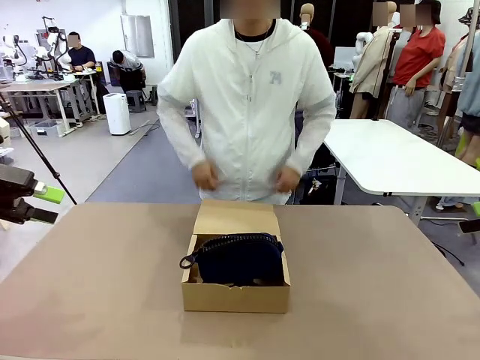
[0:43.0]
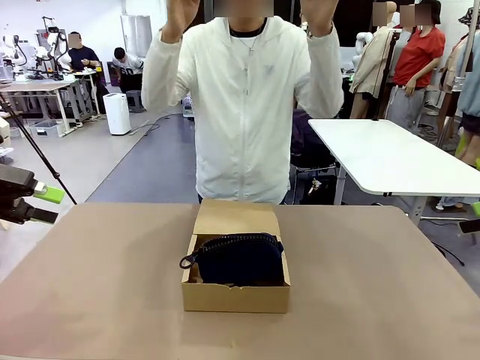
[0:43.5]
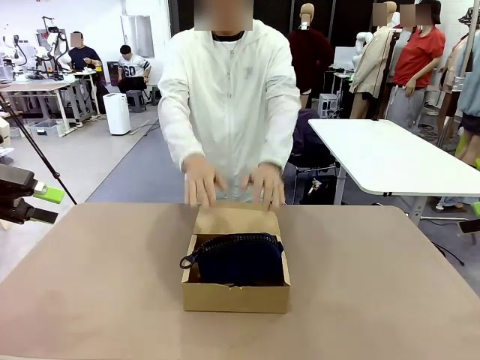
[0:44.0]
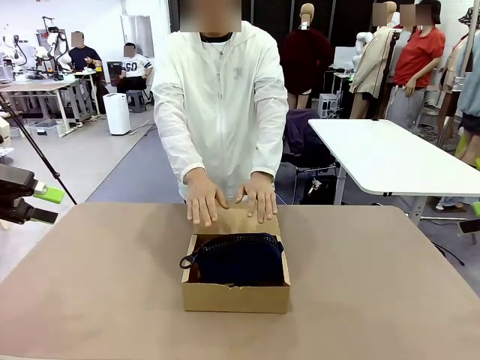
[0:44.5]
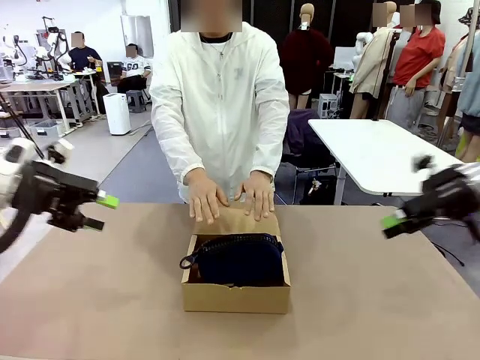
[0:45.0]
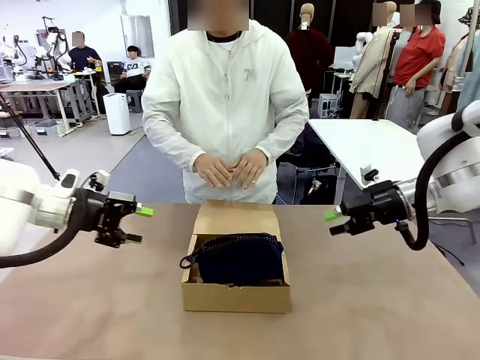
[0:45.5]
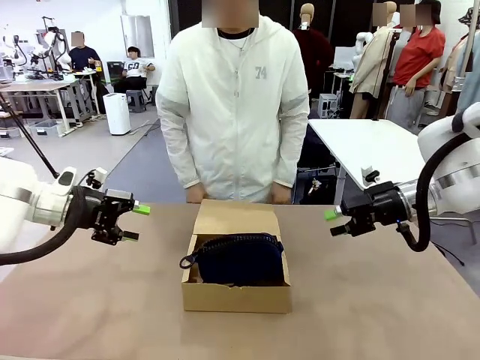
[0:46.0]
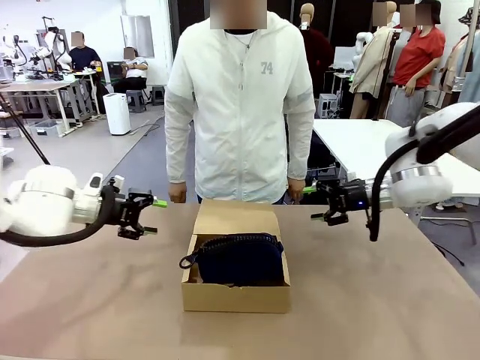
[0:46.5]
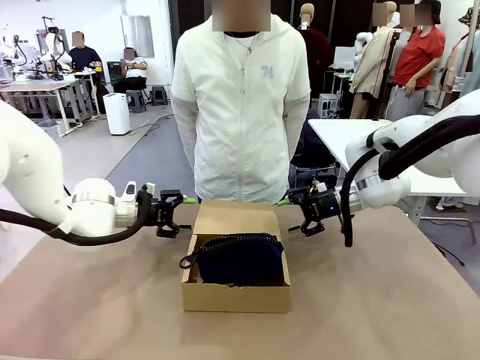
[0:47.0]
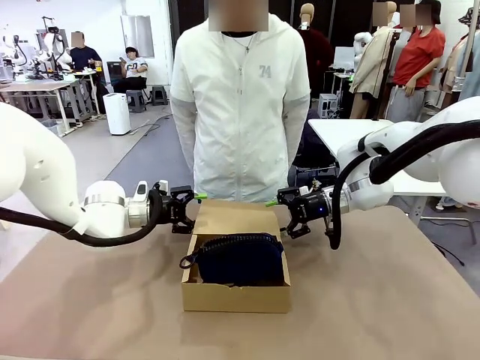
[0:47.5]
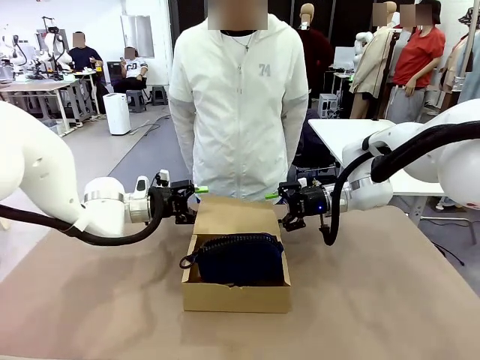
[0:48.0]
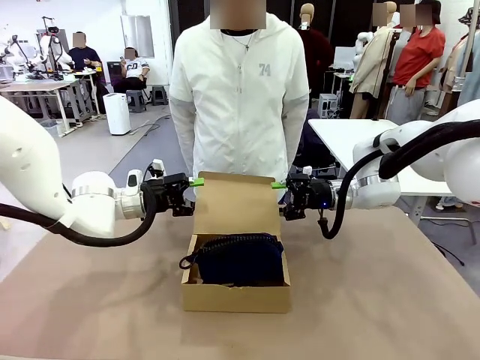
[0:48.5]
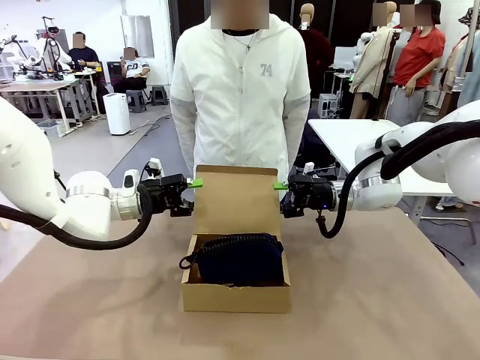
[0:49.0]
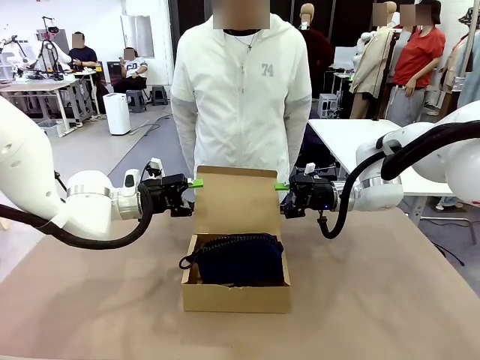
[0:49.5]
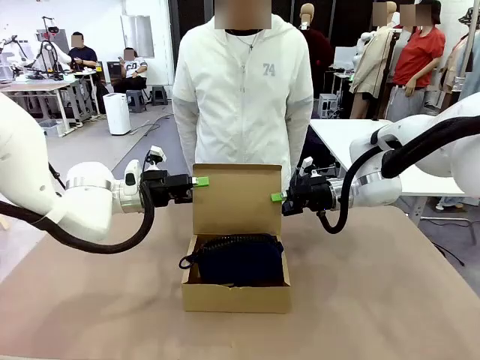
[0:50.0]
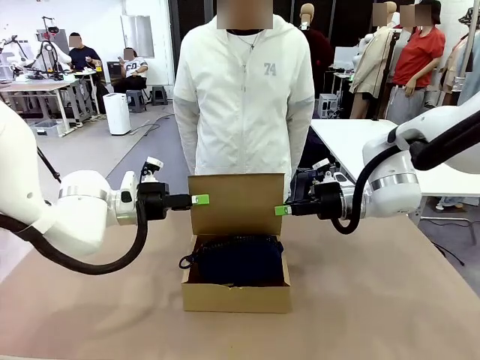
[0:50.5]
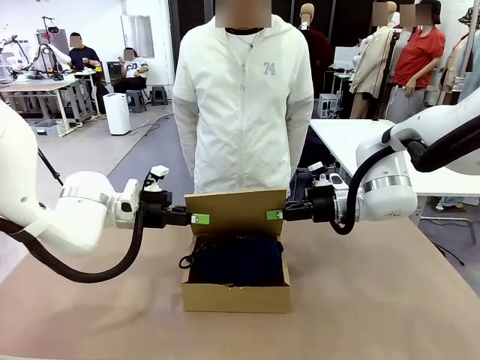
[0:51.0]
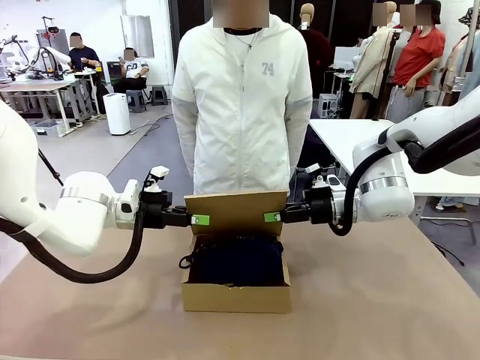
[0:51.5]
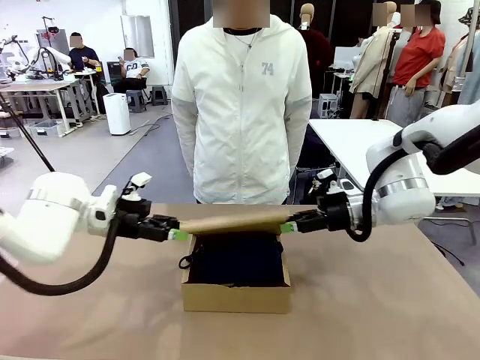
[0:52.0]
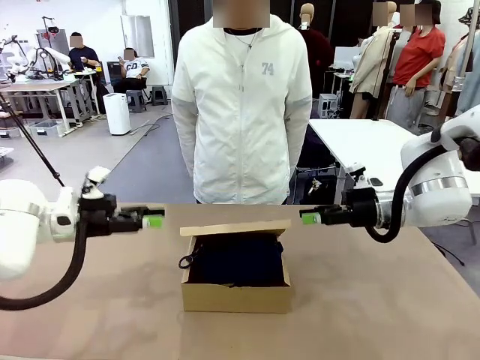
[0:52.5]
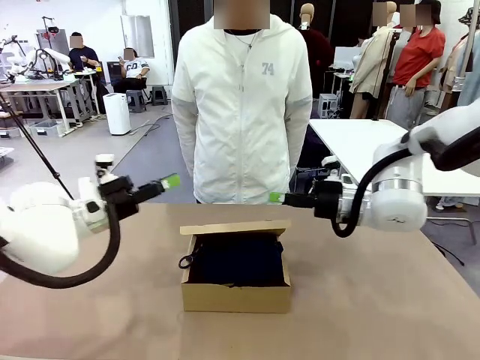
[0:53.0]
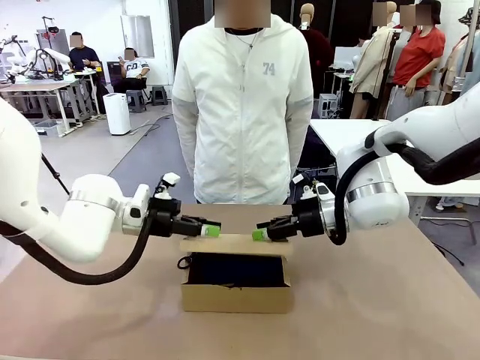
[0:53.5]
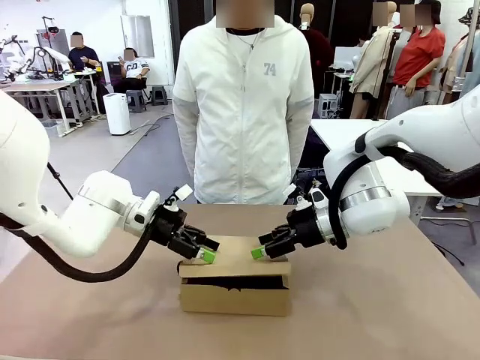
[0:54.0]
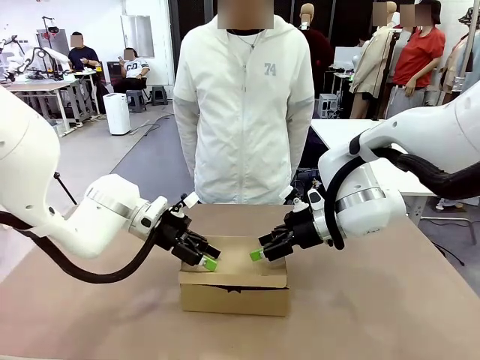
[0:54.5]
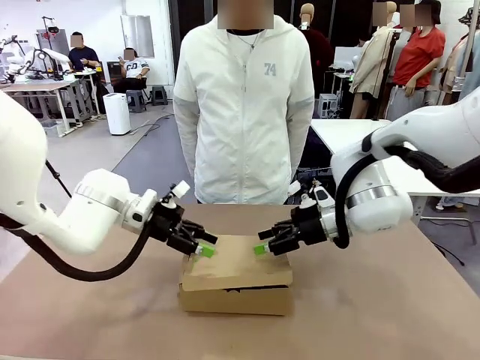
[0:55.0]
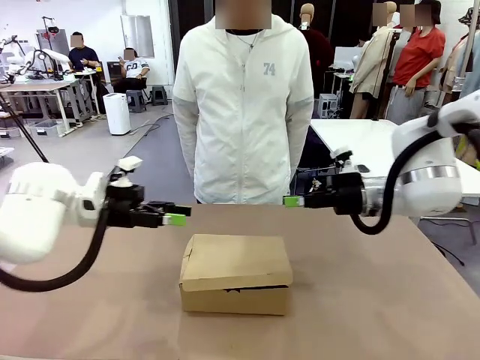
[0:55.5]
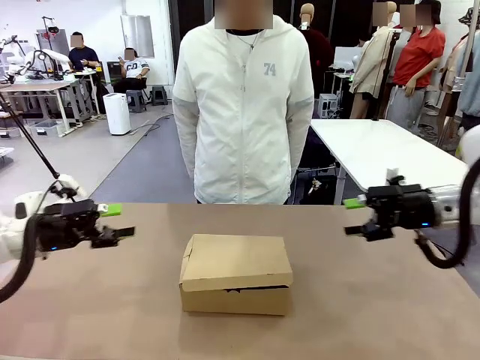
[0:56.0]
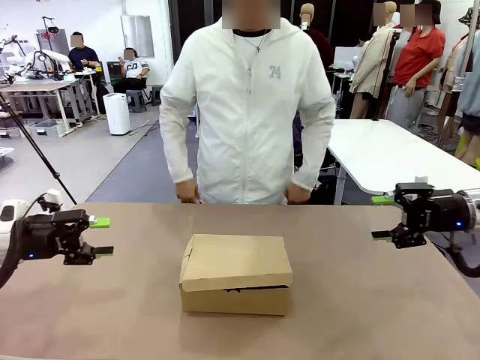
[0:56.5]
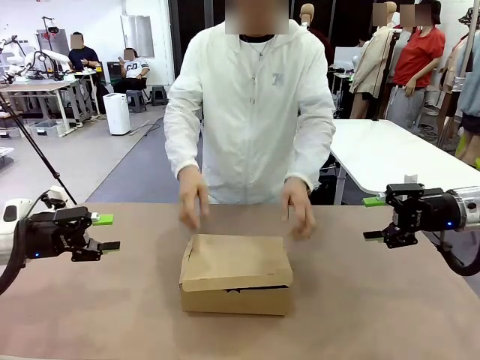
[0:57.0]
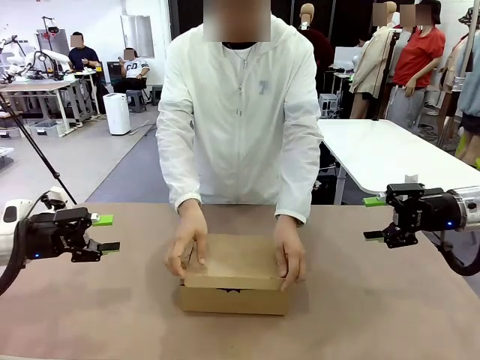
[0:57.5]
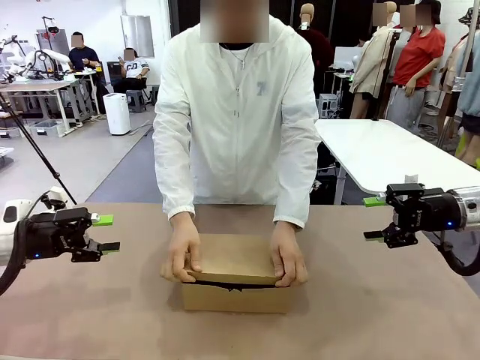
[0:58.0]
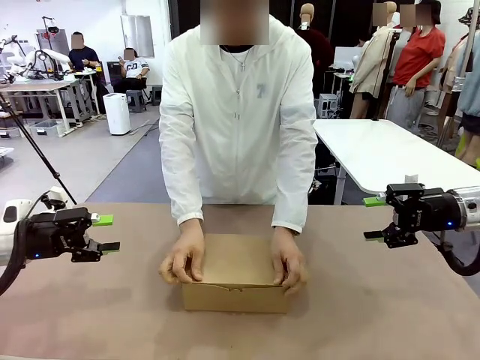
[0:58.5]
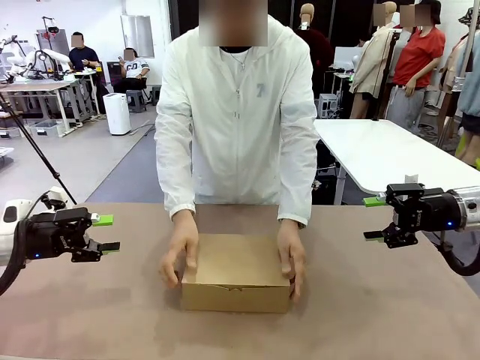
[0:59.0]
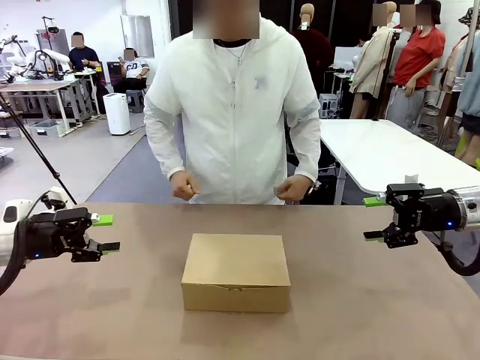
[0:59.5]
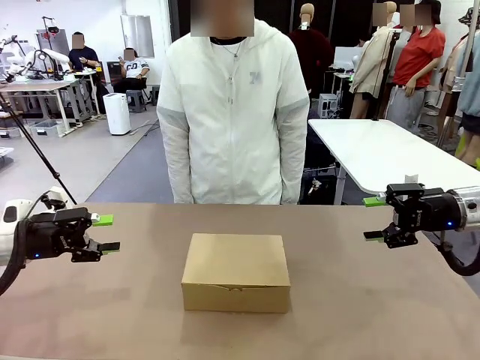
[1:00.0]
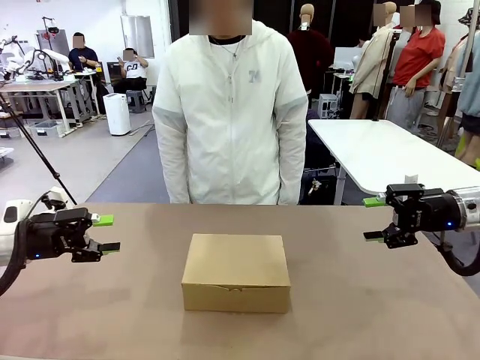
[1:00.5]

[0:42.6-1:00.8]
Task: Pack the items into the box.
Robot: Close the Mailer Box.
Person: Turn the box and lock it.

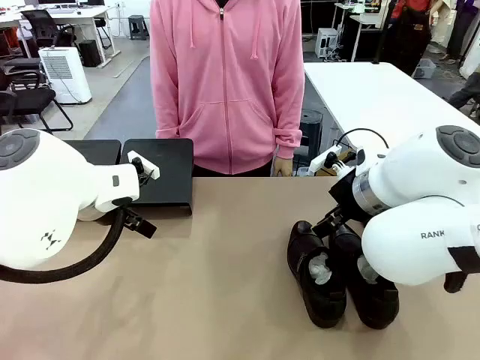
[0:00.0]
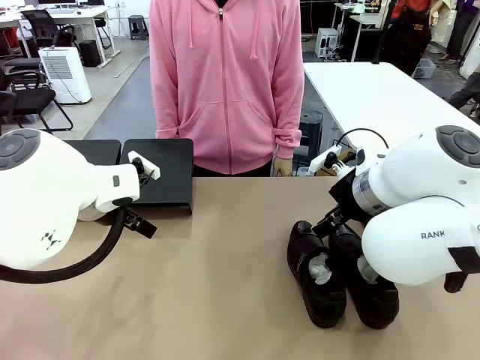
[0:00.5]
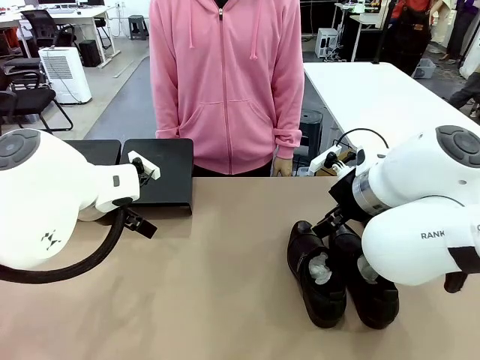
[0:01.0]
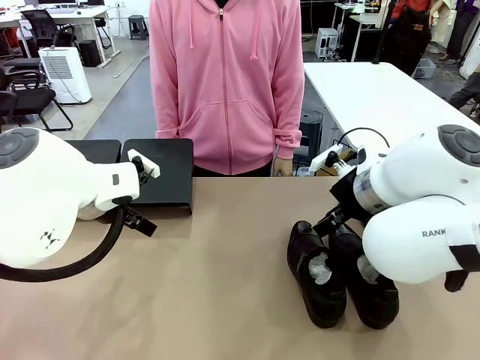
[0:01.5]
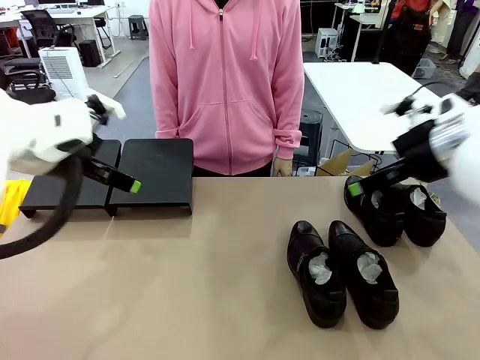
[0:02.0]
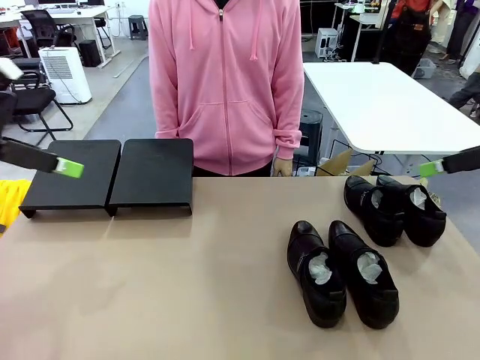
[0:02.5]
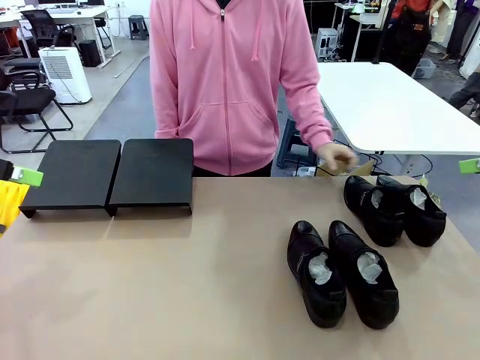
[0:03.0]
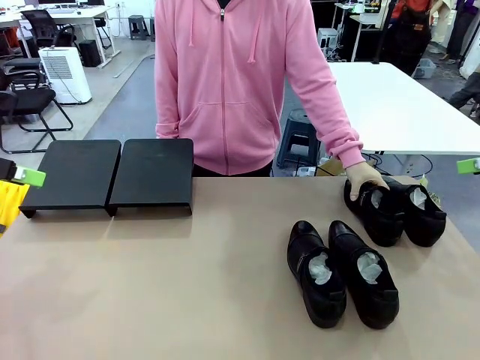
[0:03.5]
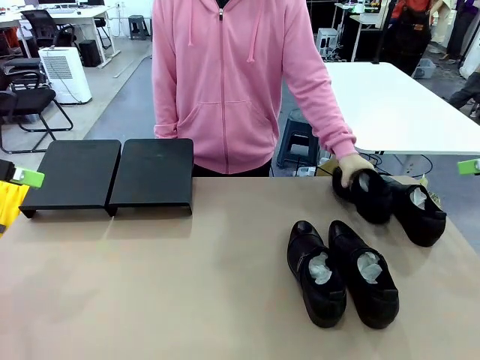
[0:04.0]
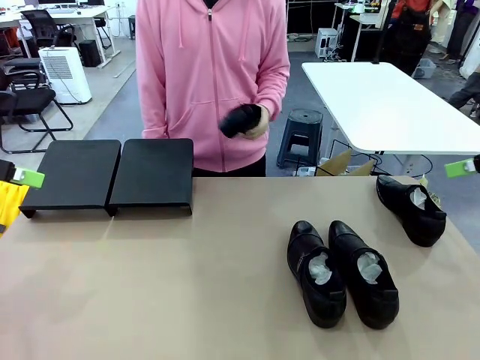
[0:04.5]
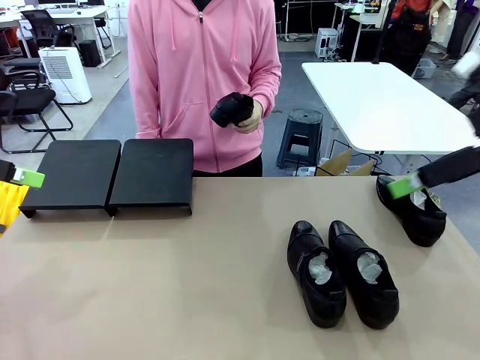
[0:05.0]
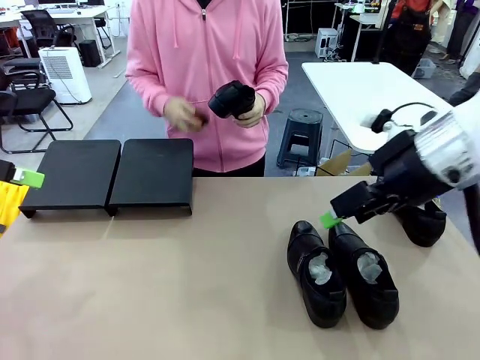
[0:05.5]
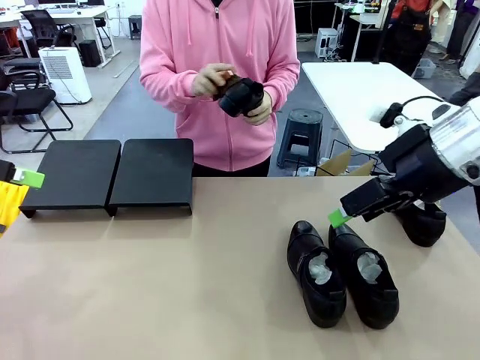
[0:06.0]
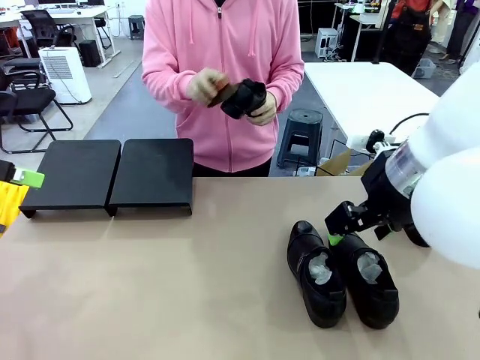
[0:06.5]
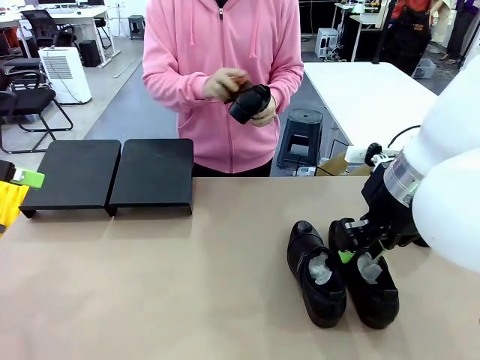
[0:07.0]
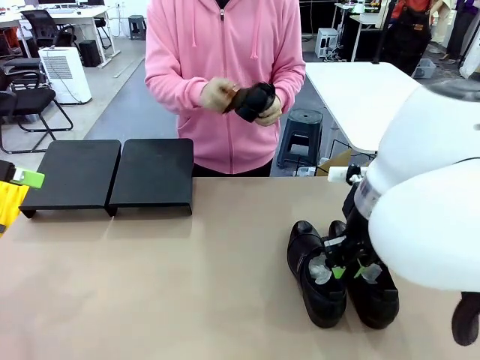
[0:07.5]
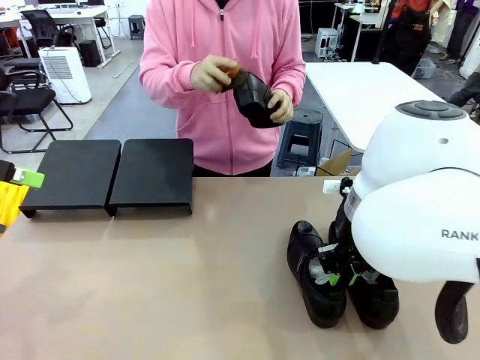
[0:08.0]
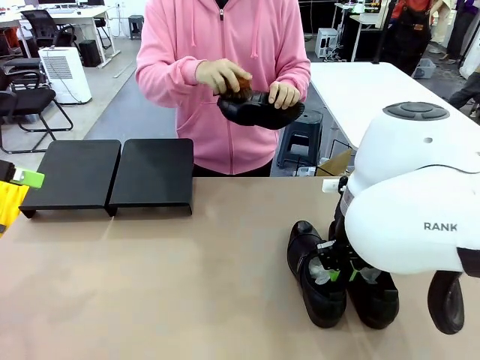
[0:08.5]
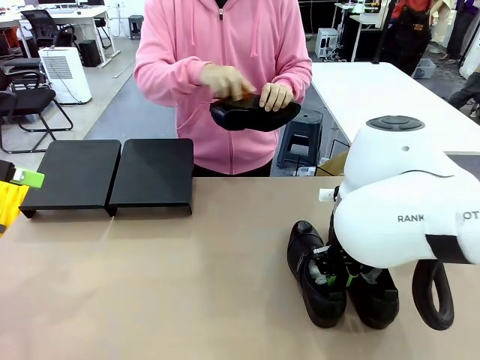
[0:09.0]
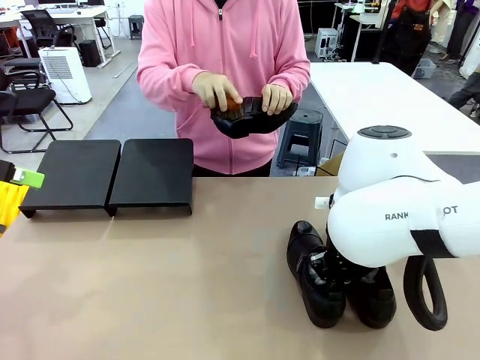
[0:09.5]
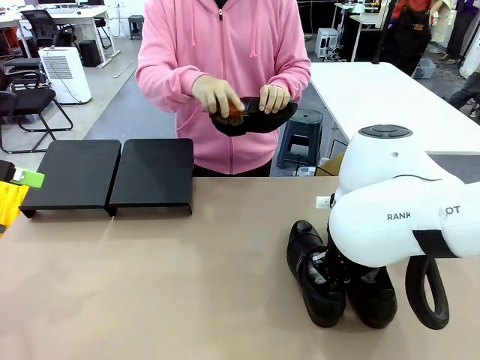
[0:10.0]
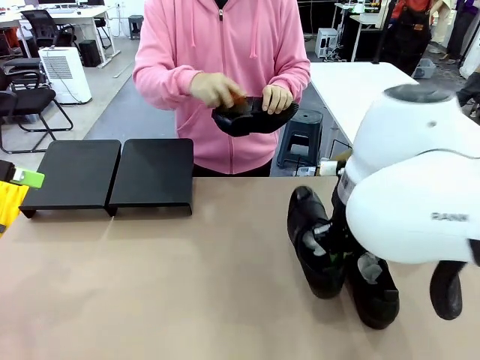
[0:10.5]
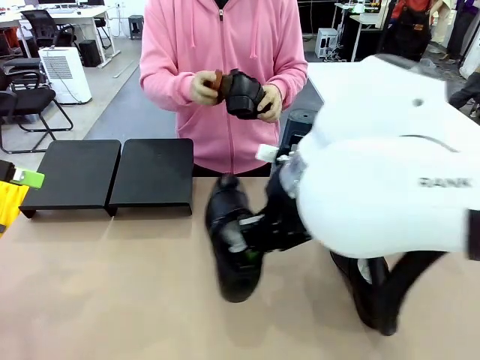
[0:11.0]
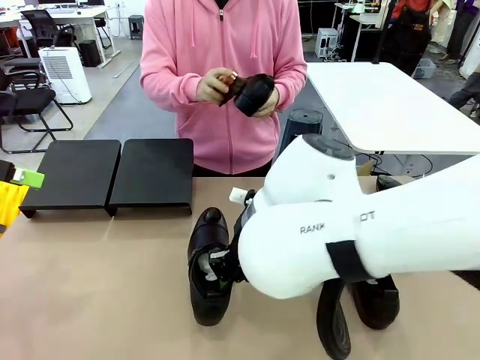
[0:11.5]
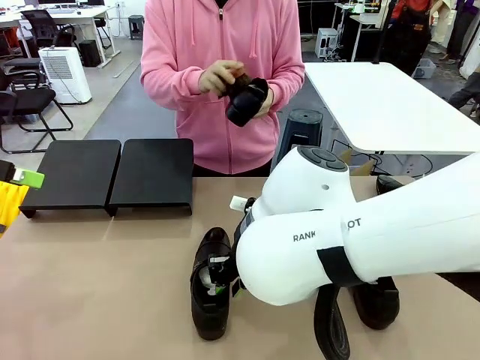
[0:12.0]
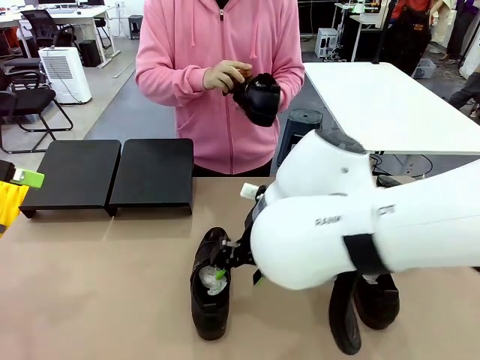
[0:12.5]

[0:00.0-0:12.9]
Task: Organize the shoes by placing them on the stand.
Robot: Pick up one Shoe and place it in the middle of the table.
Person: Pick one Shoe on Robot's table.
